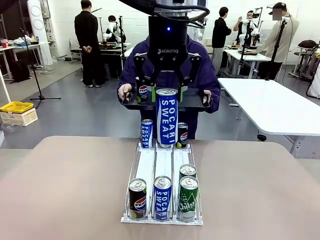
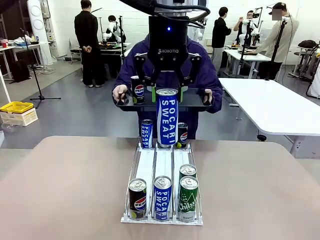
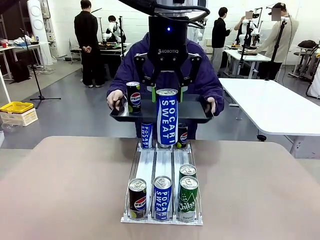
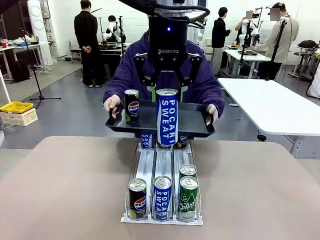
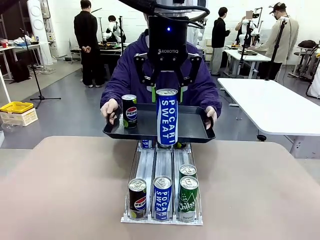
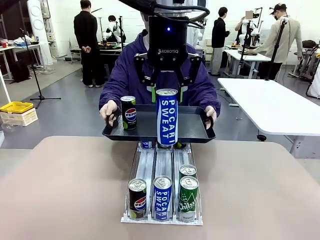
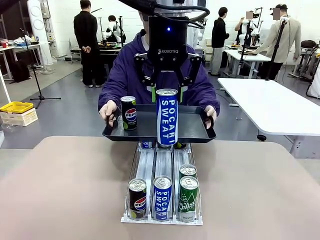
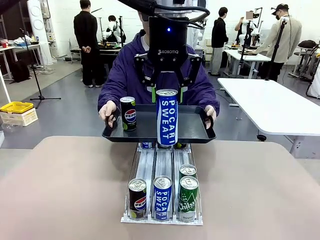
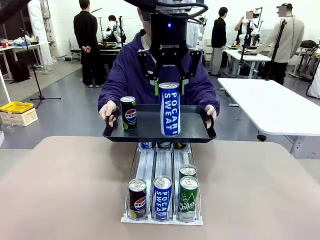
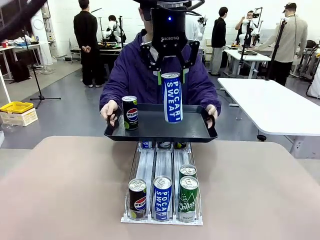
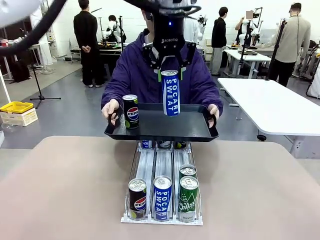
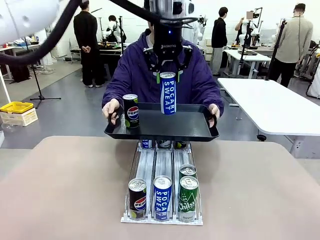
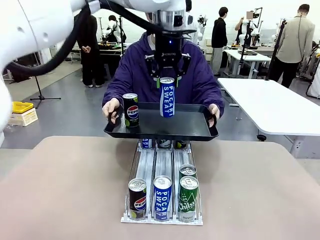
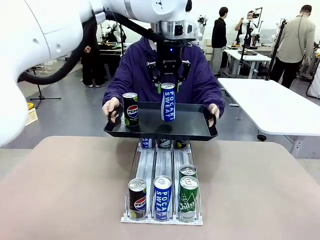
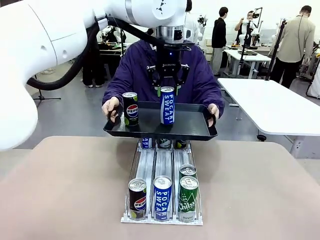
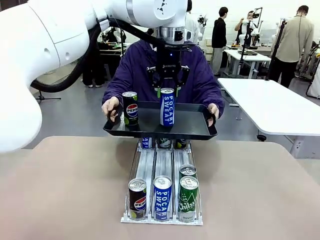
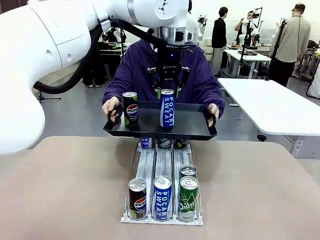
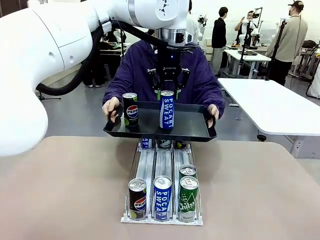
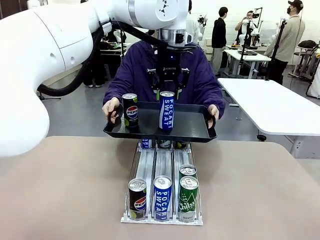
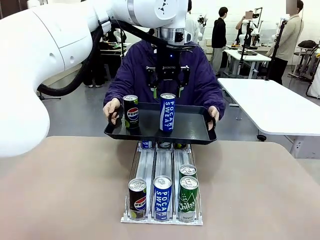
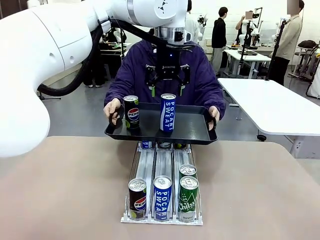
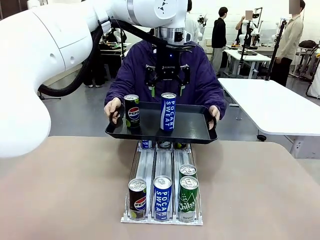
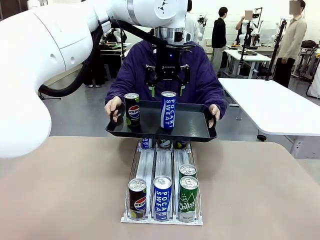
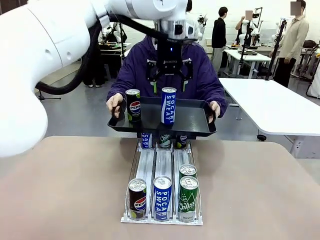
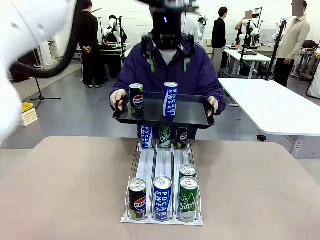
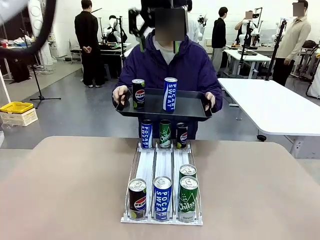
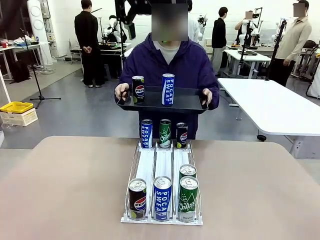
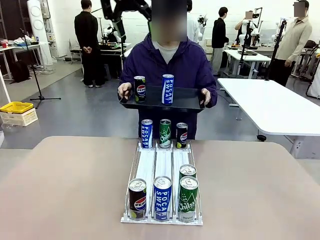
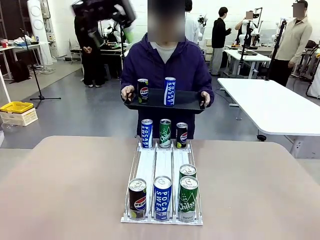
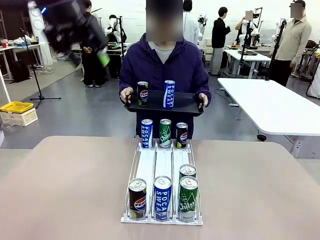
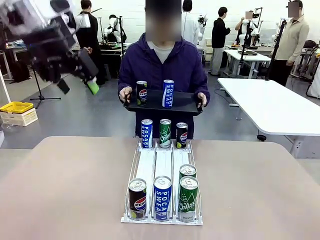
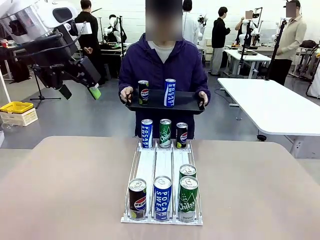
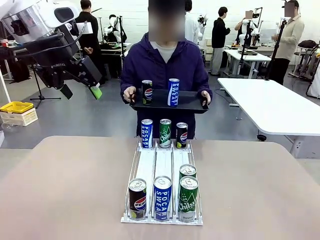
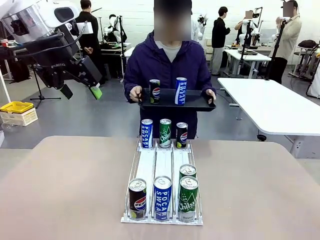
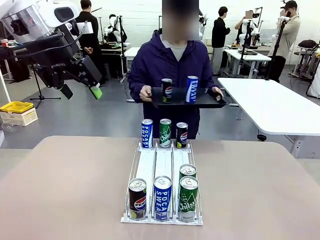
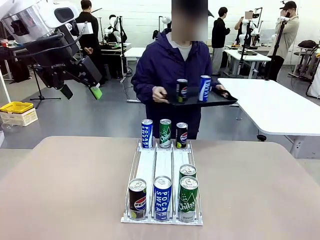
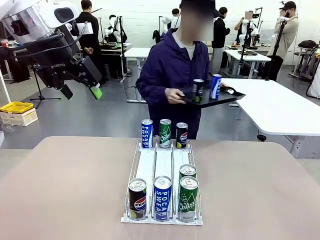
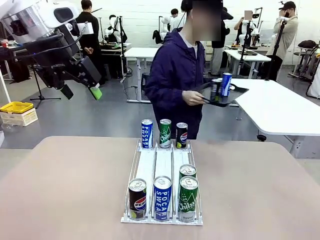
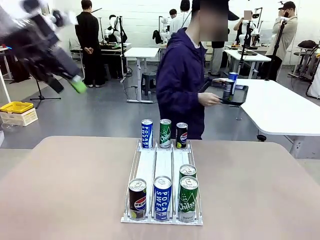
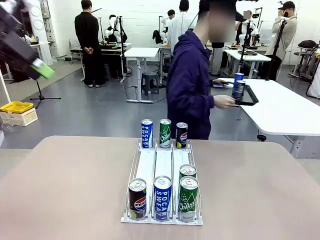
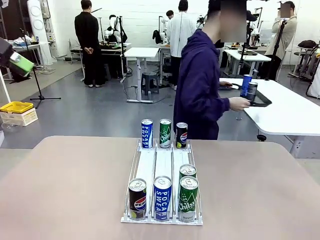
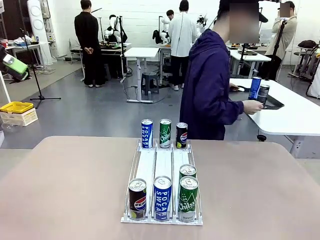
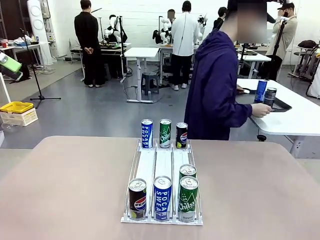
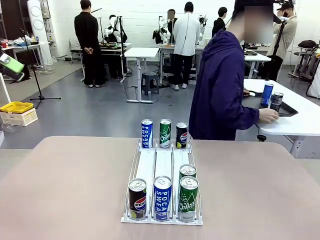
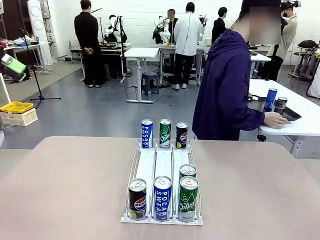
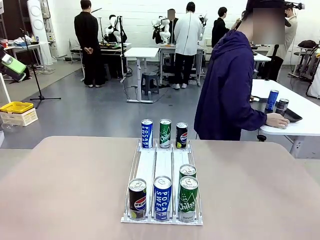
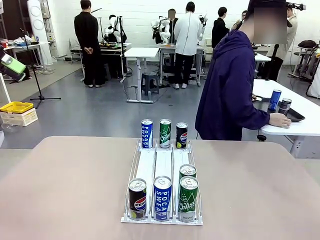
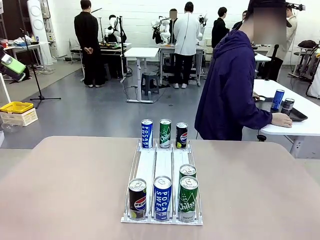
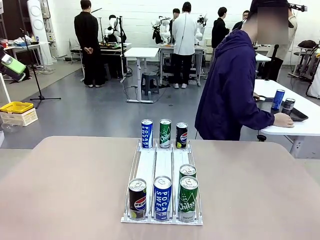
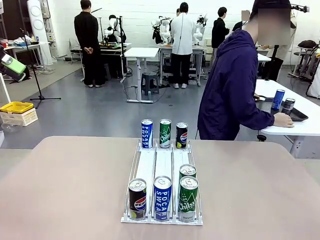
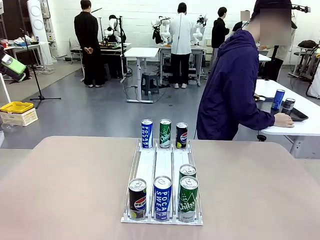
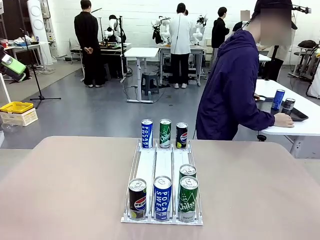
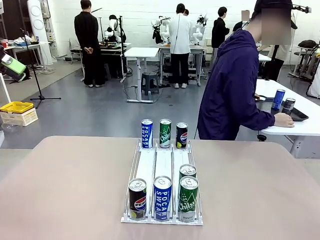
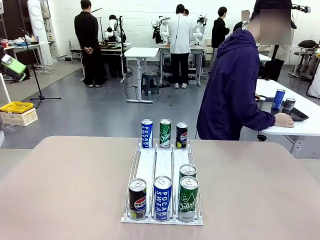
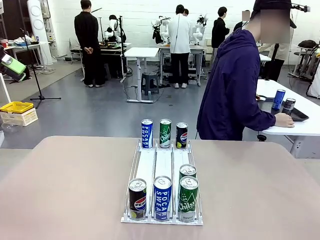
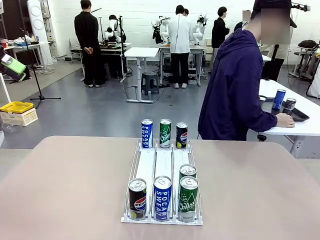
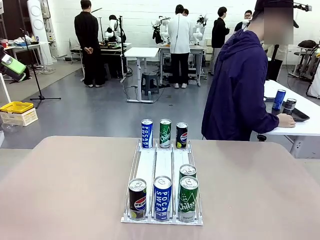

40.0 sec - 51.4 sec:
Task: Retrieve and hand over the desired beverage to the person.
Robot: Place the picked can on the Handle tray extended by the person.
Person: Pull the tray back and place it at the center of the human table.

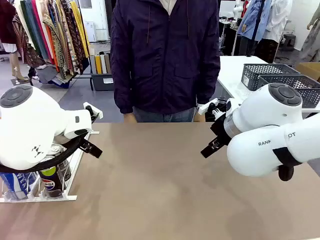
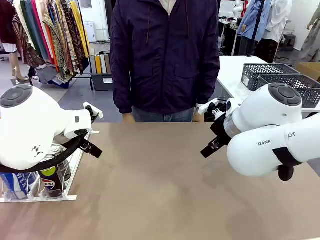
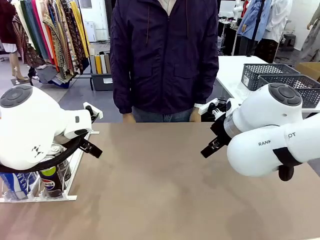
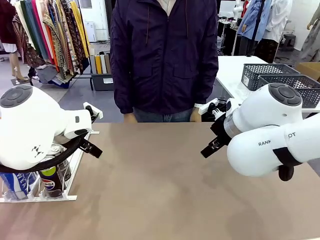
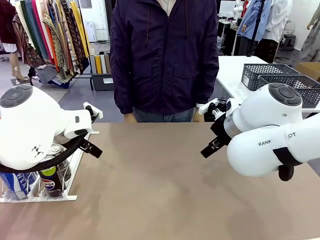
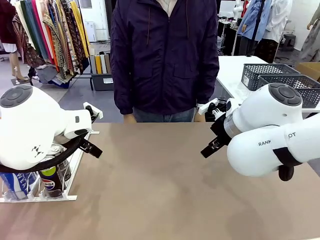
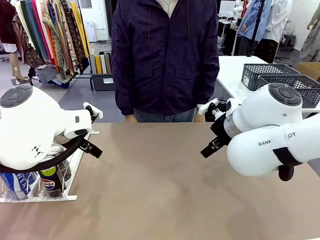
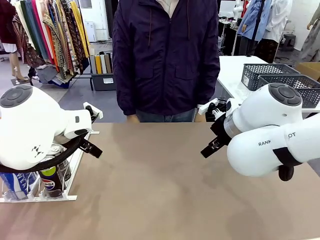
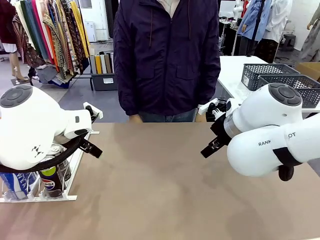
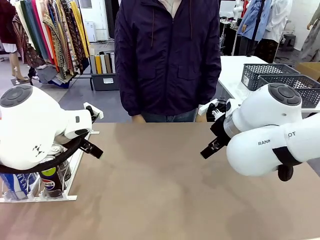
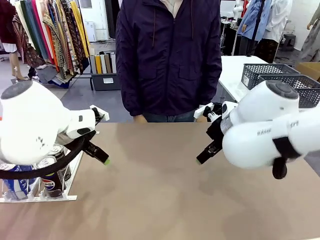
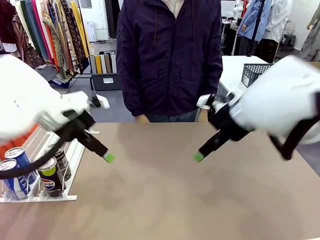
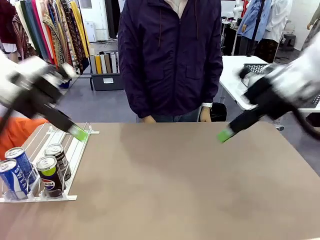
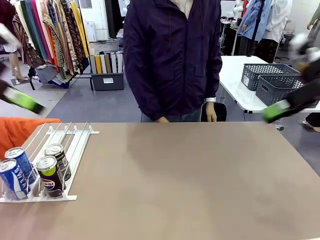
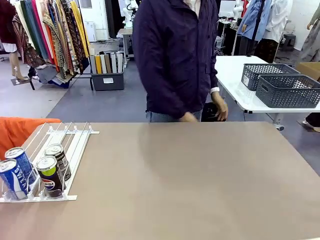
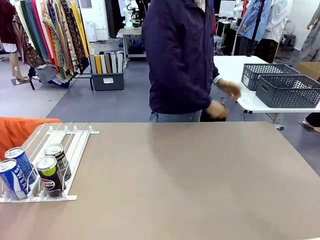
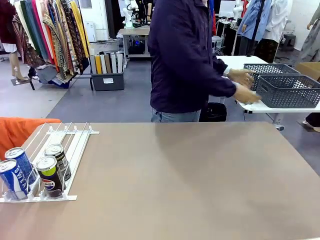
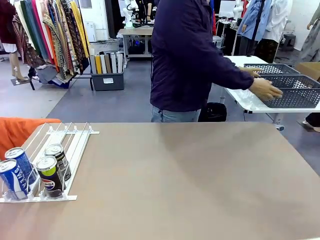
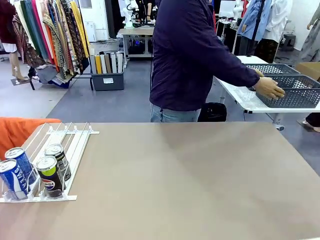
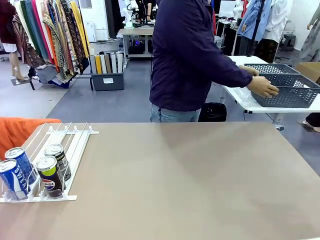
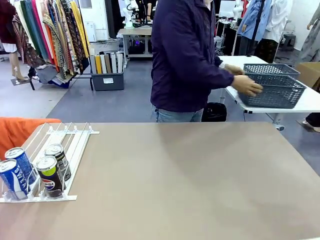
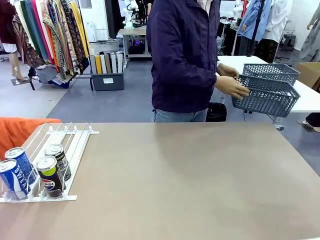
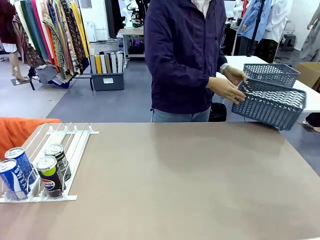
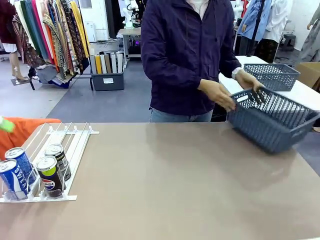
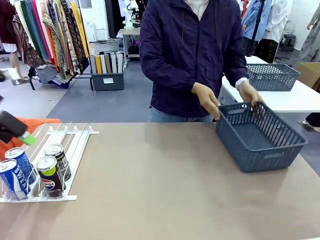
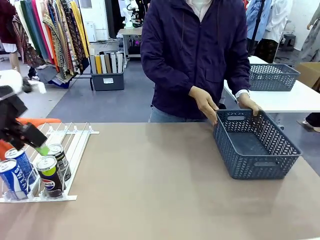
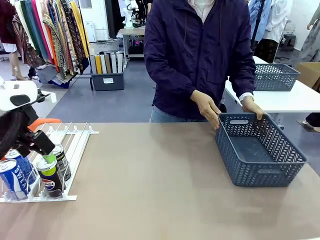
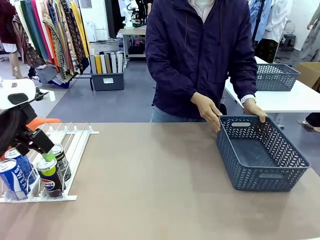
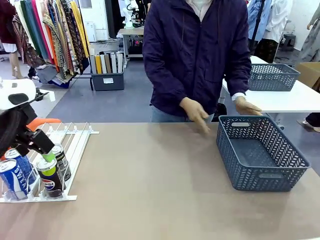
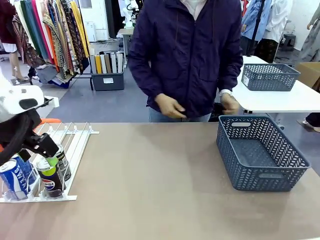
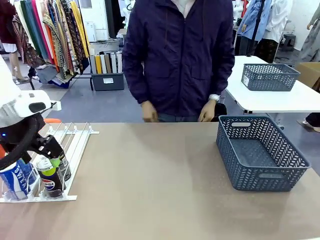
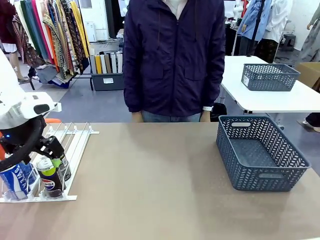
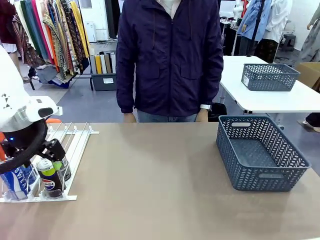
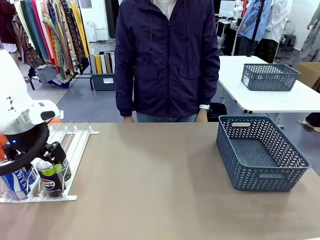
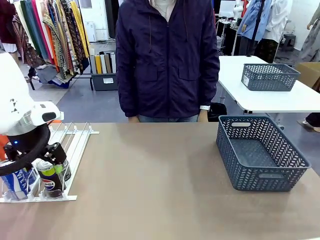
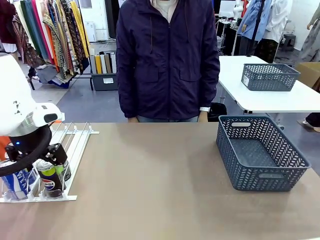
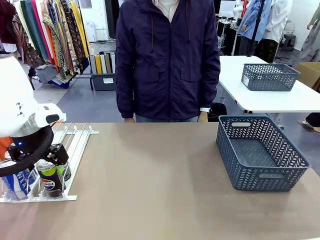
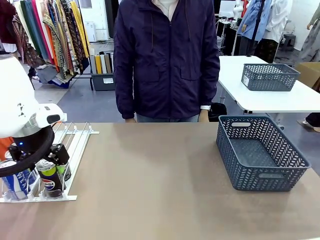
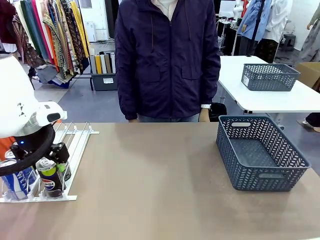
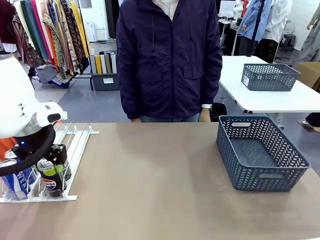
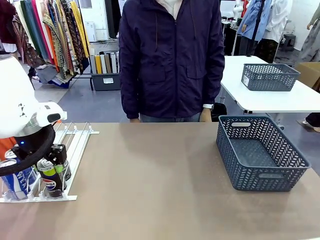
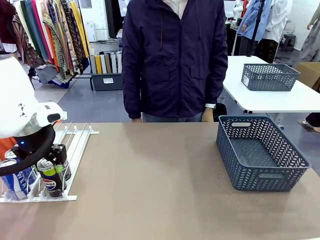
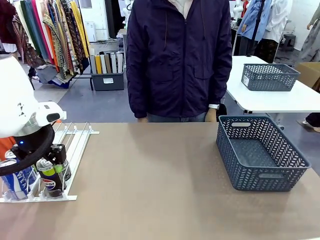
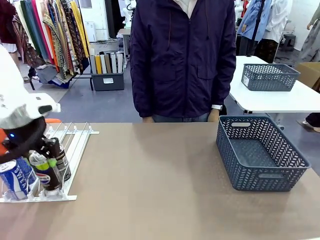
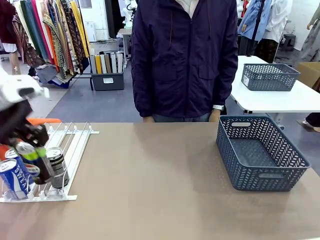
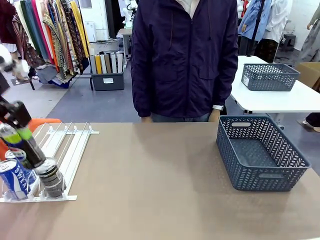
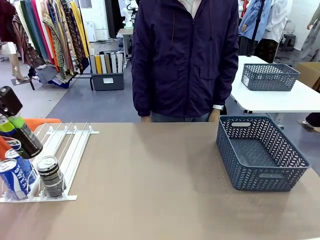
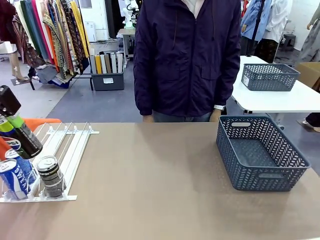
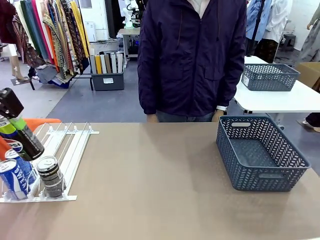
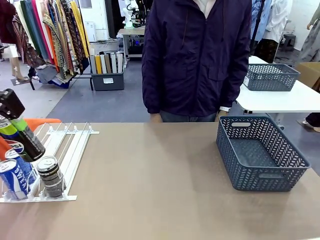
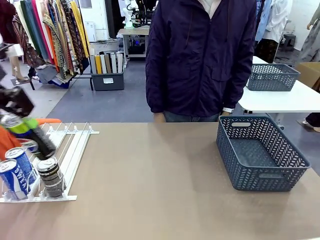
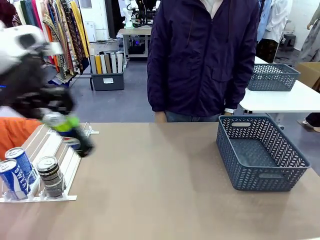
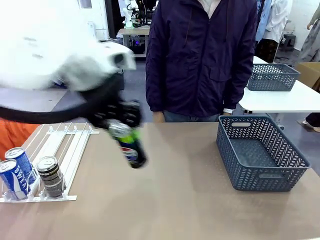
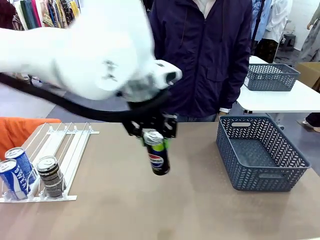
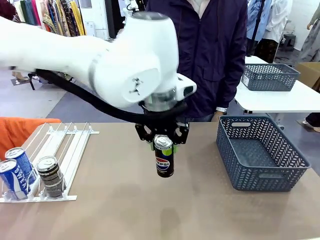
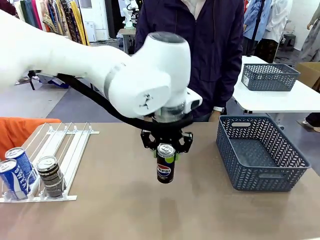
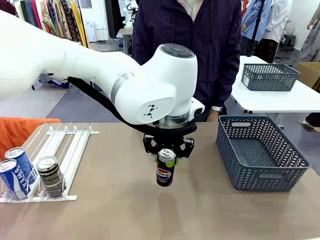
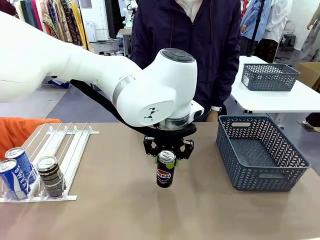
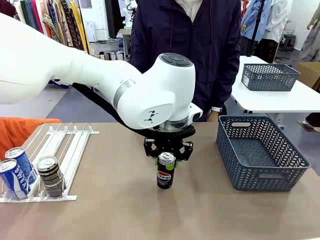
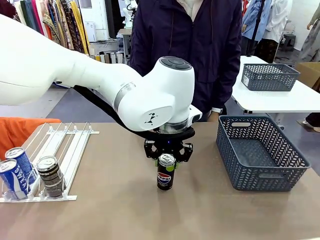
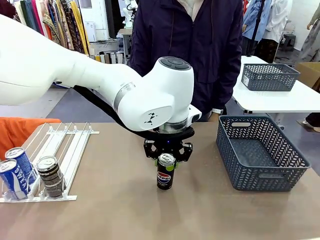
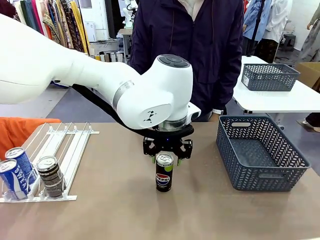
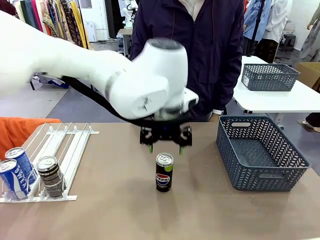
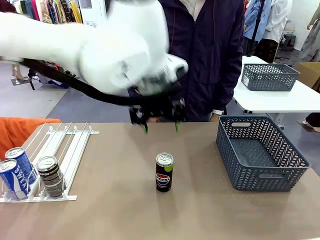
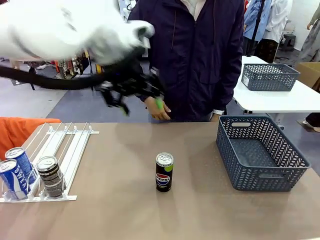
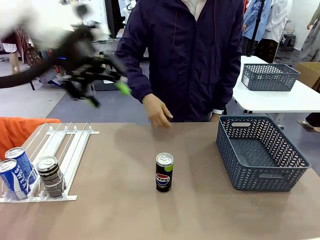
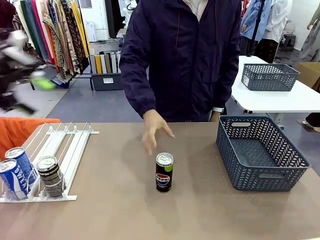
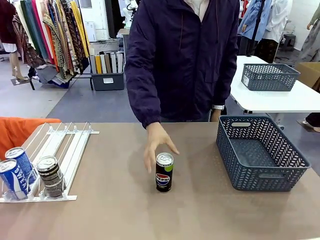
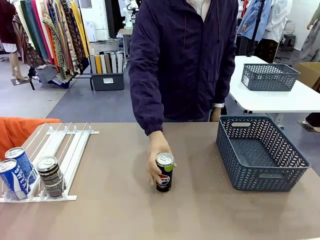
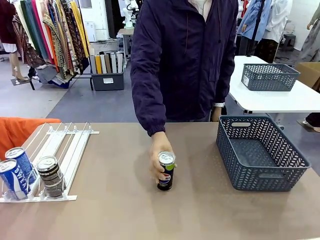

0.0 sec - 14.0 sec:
Task: Retrieve and store the cans from the dispenser.
Robot: Pick up one can from the Automatic Can Dispenser and place it in the middle of the table.
Person: Pick up the basket and place it on the left side of the robot table.
